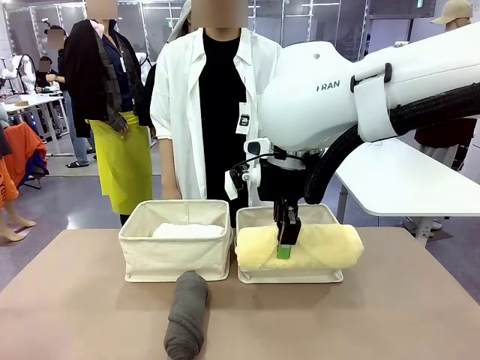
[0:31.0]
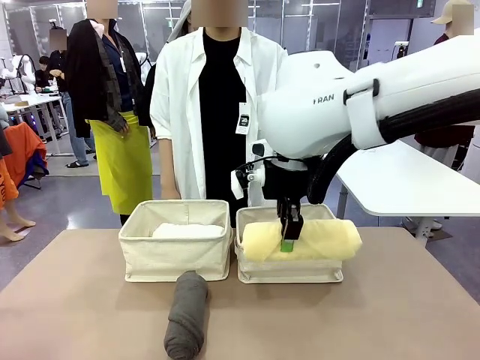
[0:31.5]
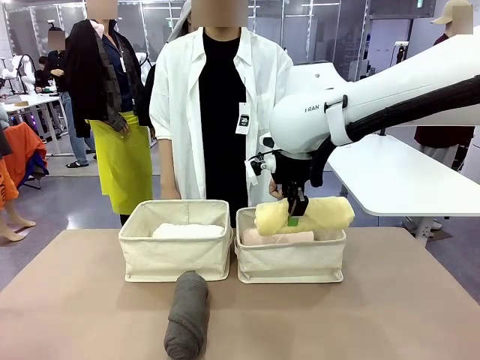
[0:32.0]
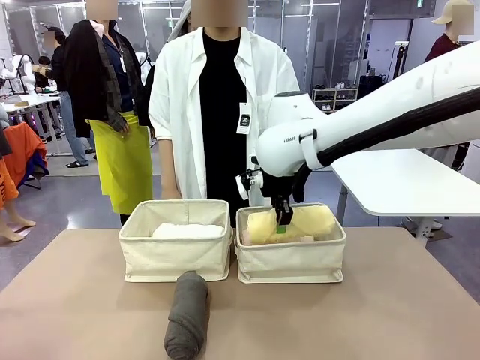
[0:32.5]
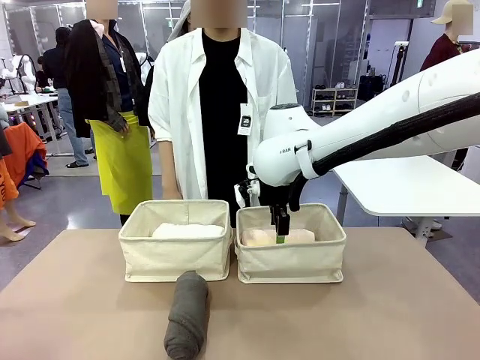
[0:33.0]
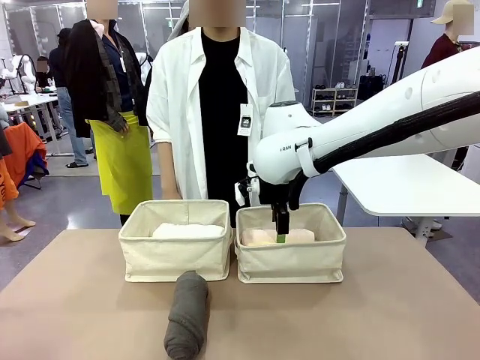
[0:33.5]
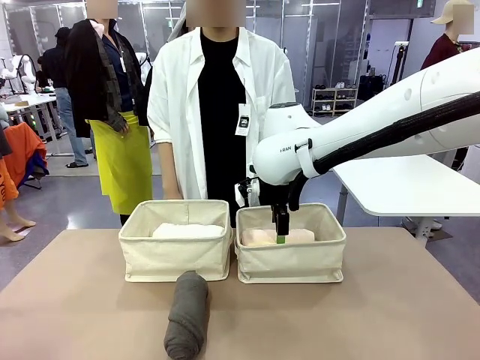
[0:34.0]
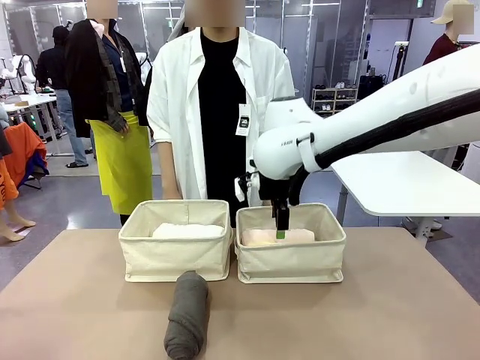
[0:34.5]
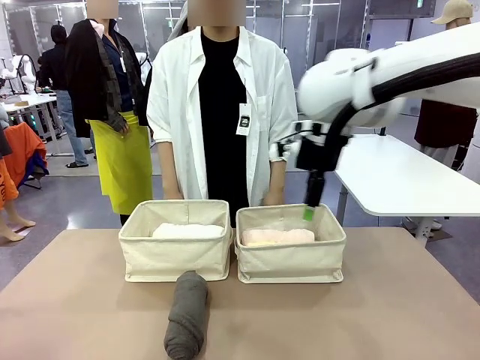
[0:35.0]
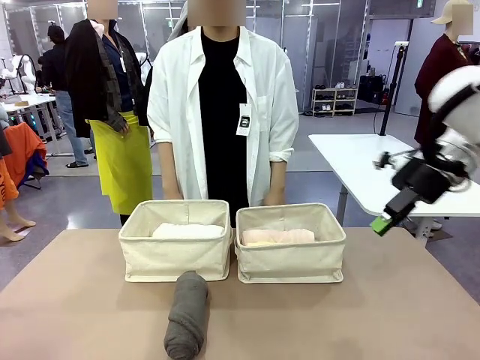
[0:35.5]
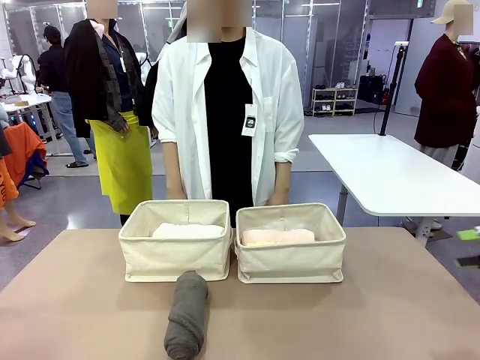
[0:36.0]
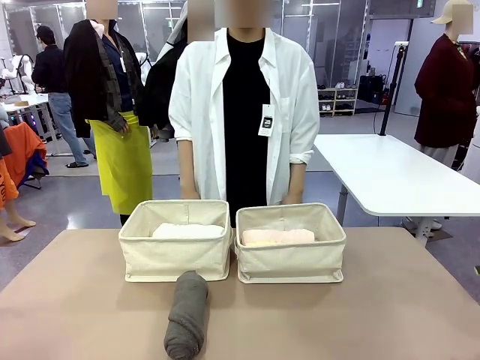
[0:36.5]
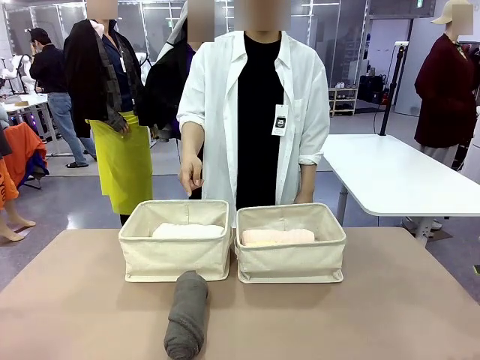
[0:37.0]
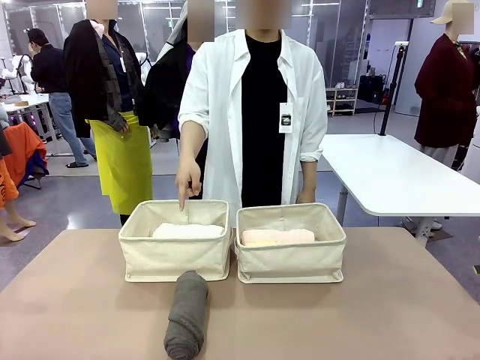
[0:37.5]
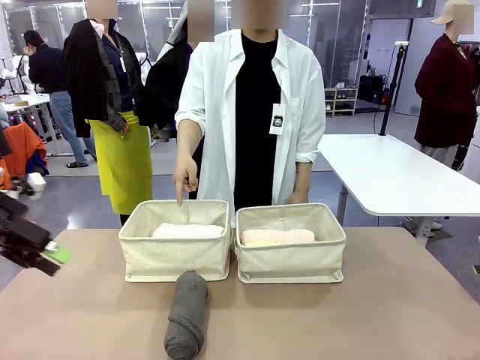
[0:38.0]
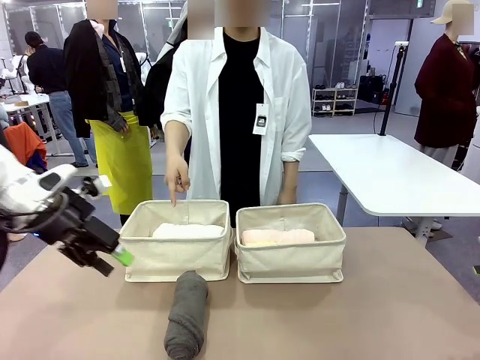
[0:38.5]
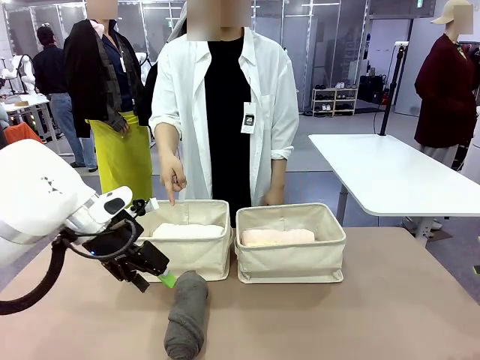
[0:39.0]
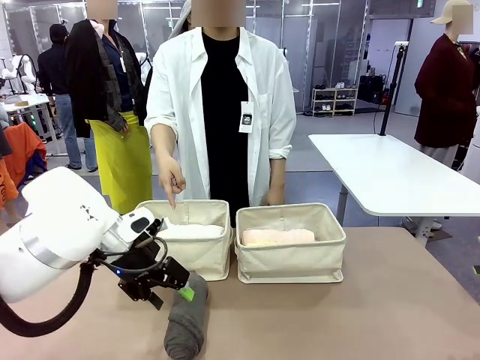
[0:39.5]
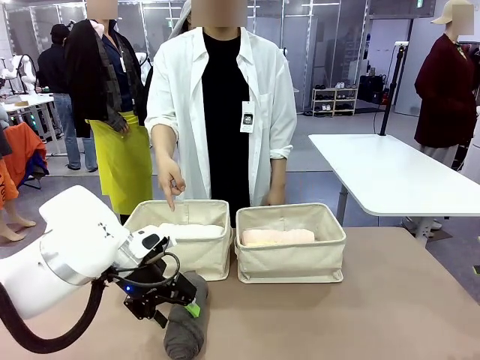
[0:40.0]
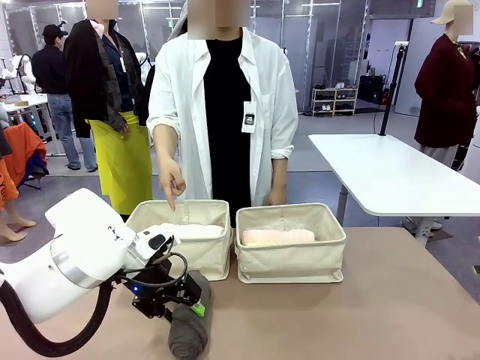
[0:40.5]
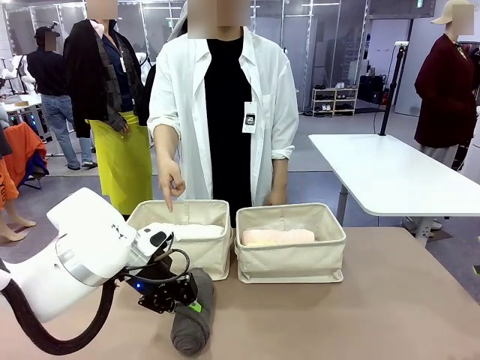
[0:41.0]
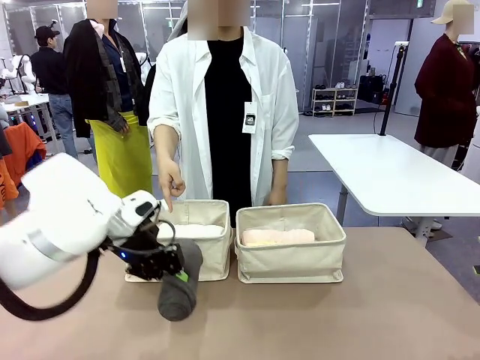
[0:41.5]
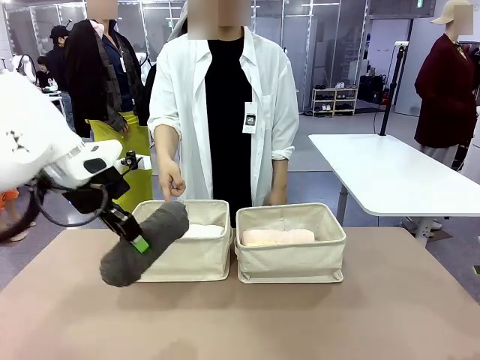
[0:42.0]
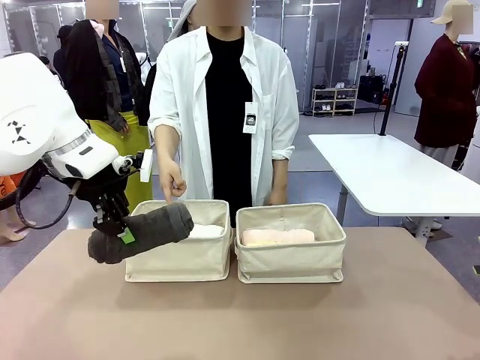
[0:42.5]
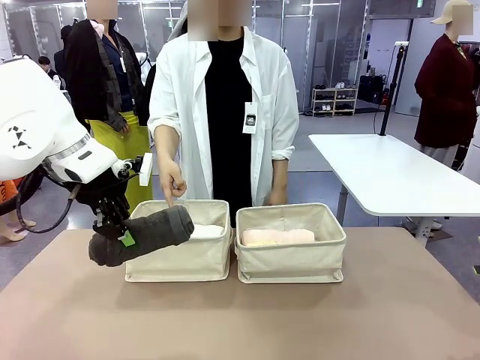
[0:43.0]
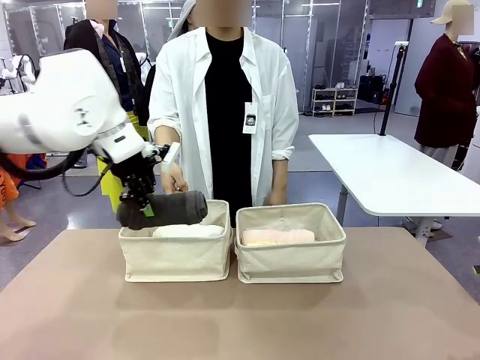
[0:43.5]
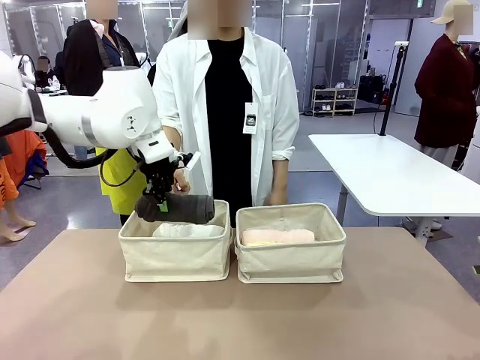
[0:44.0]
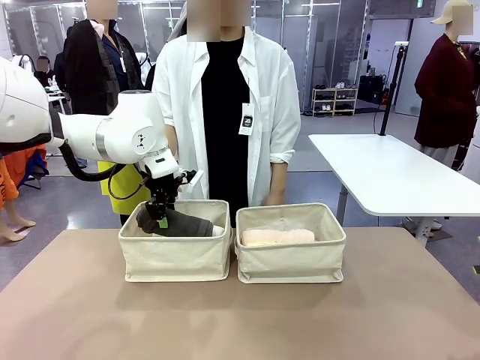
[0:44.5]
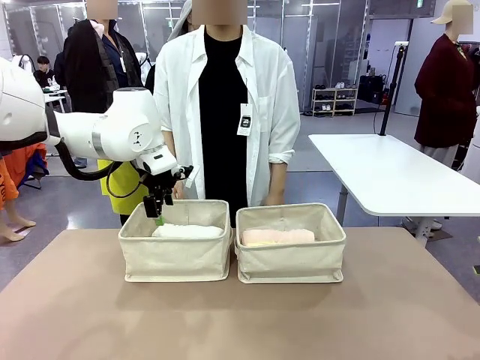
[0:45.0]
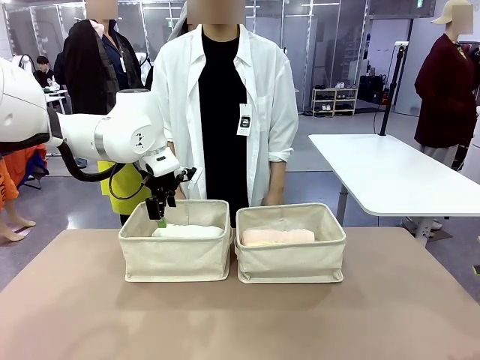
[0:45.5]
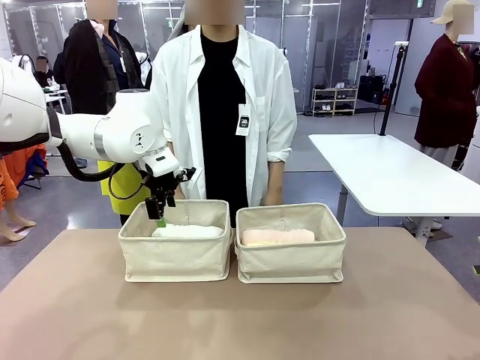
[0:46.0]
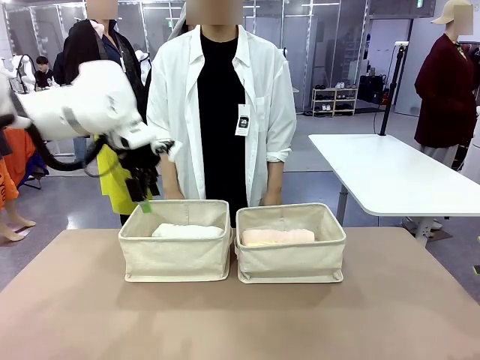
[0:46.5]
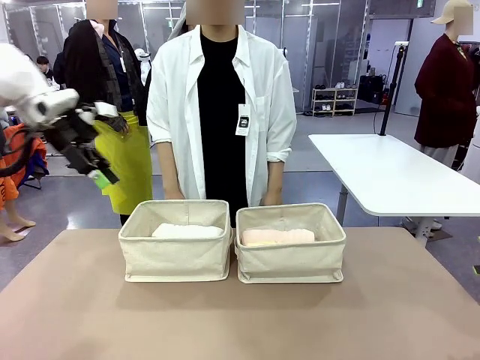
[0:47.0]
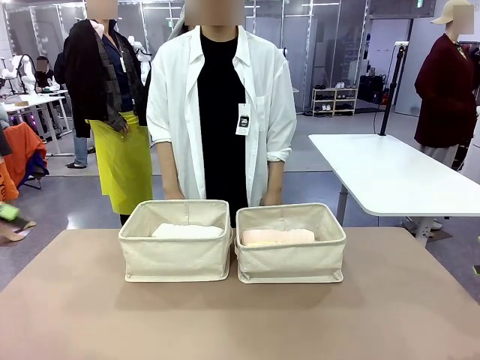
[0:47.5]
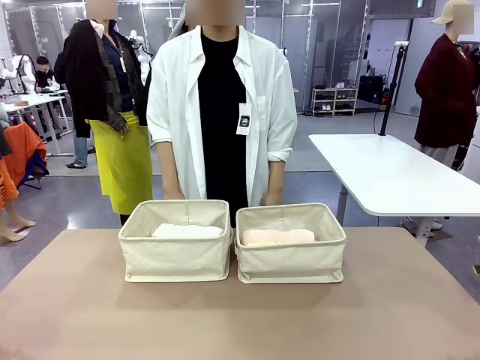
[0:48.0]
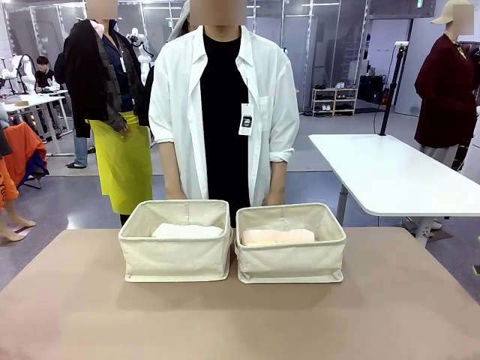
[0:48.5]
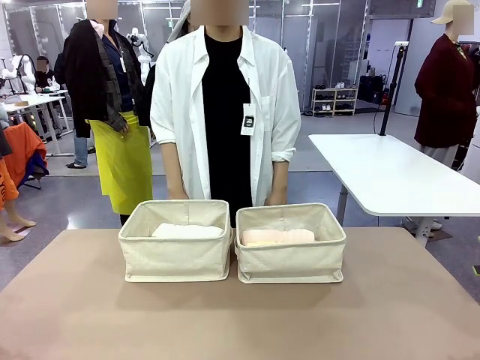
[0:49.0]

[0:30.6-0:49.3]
Task: Divide the towels into two baskets.
Robot: Pick up one hotel-folded towel from the bottom of the table and place it in the Fabric basket indicated by the person.

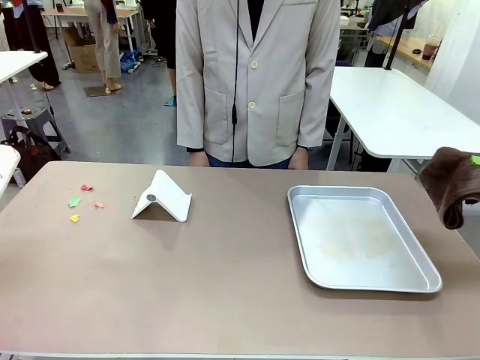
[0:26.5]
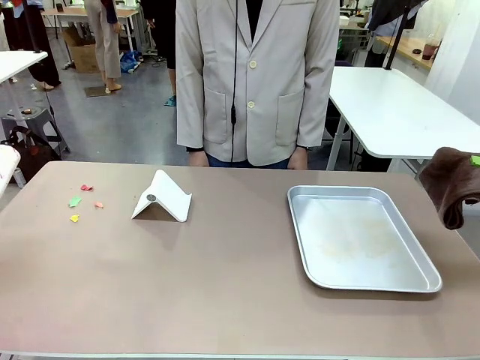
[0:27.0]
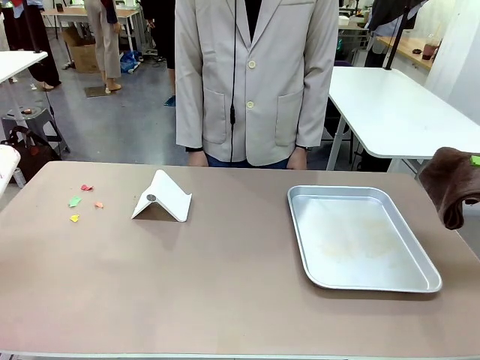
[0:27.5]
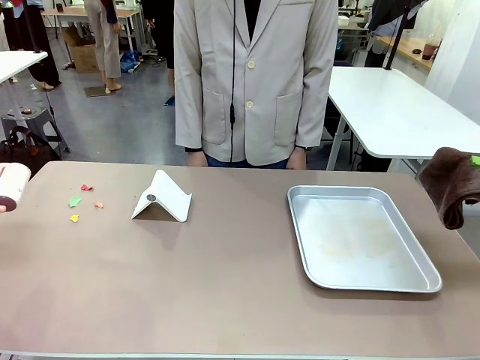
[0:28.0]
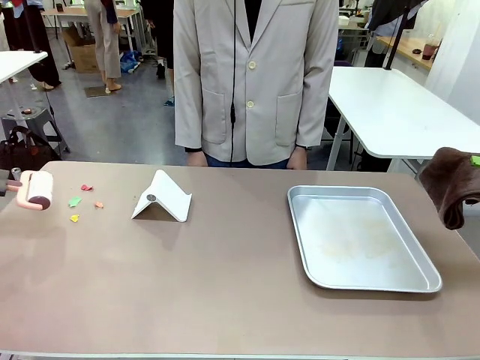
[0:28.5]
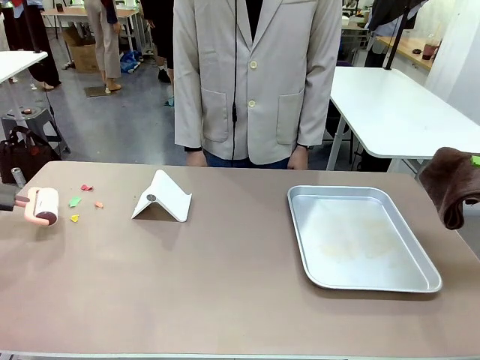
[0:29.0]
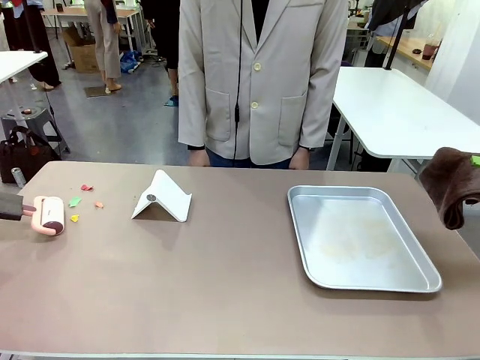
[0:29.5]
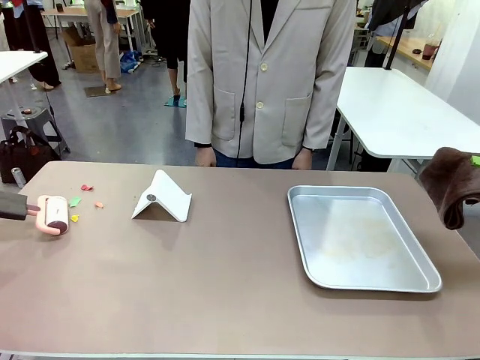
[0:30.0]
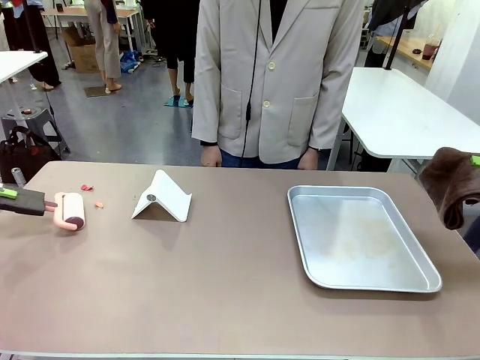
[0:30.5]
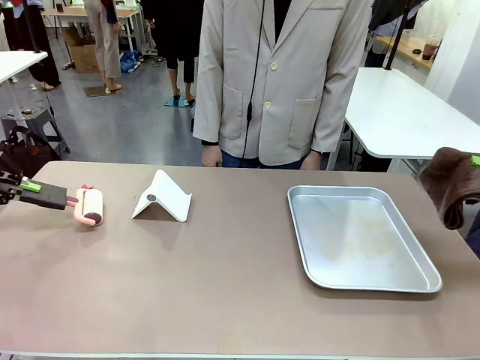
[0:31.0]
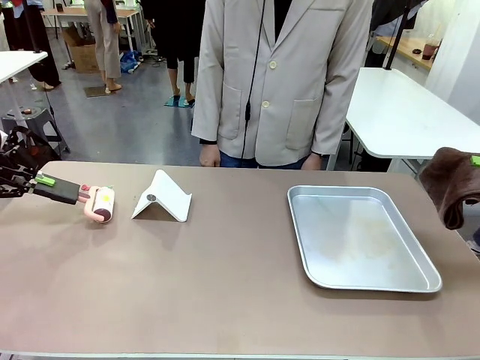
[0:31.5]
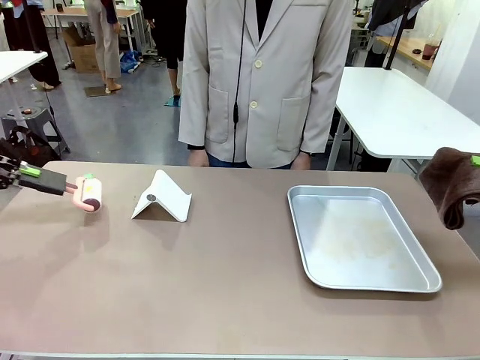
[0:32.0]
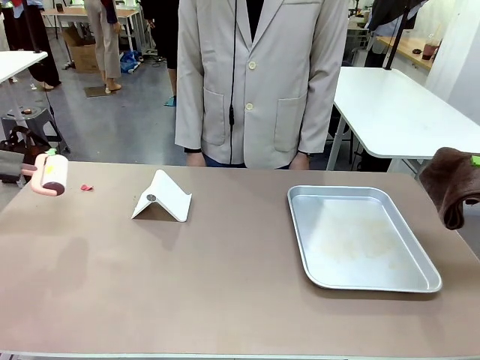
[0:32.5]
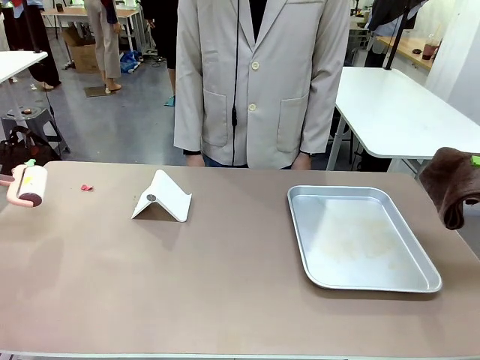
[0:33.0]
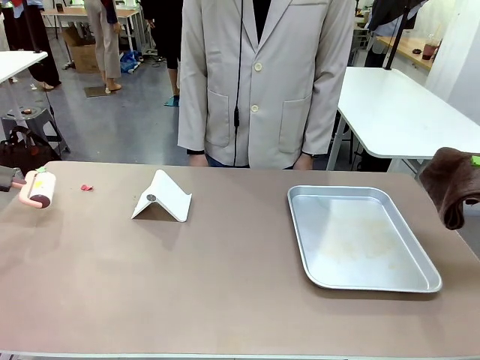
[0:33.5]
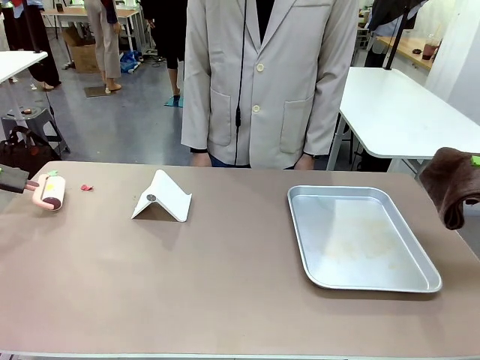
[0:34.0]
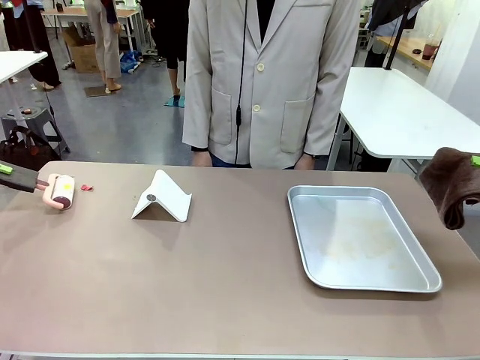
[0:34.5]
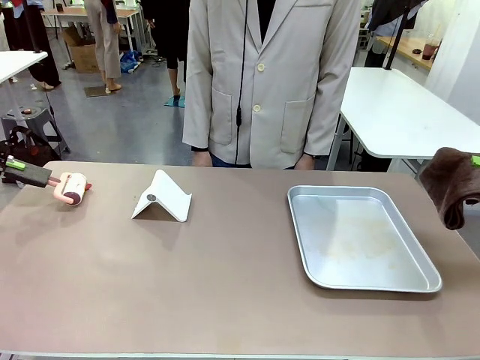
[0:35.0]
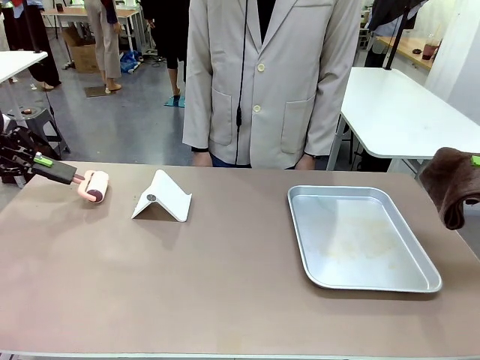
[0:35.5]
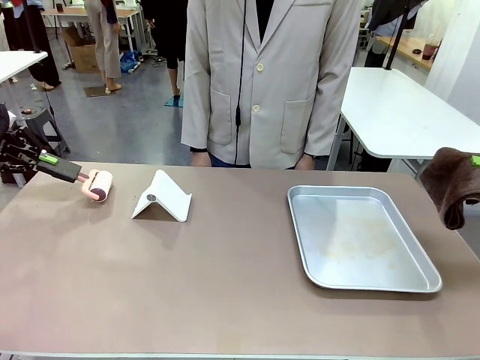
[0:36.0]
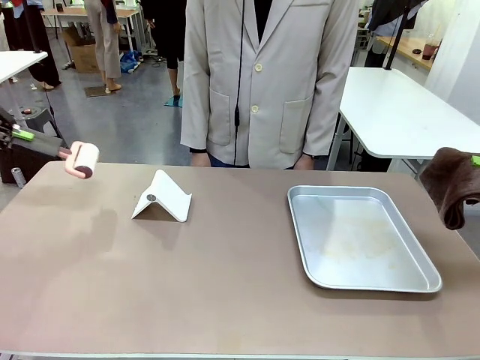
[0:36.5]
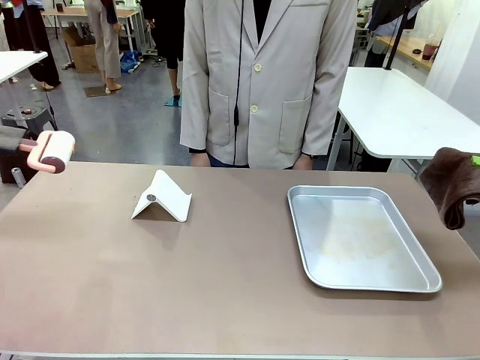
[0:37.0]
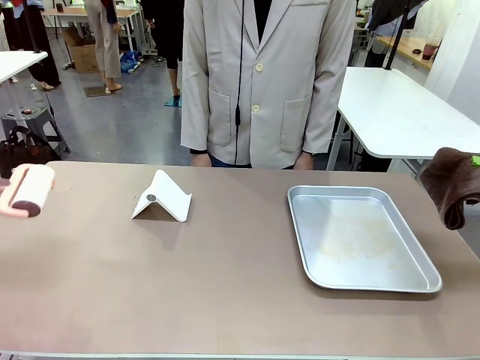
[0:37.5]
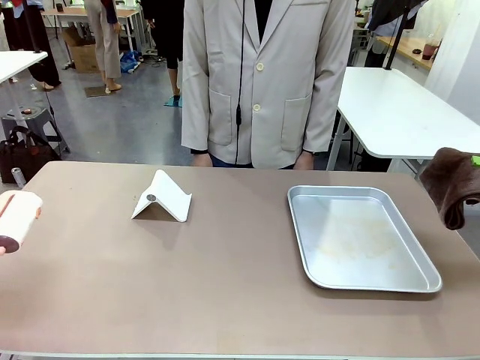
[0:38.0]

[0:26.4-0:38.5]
Task: Clean the surface of the table.
Robot: Clean the area not pointed to by the person.
